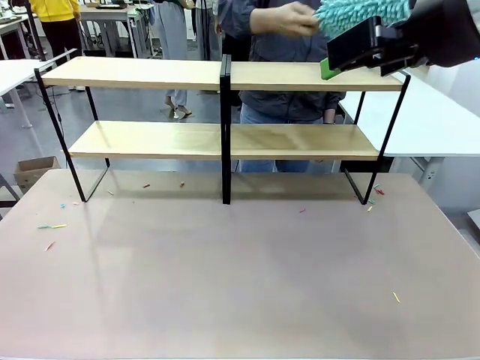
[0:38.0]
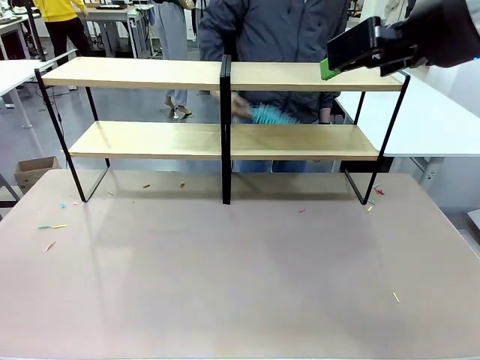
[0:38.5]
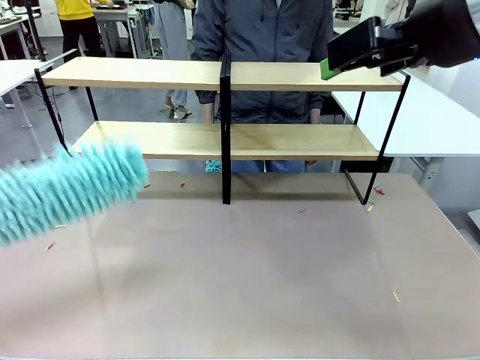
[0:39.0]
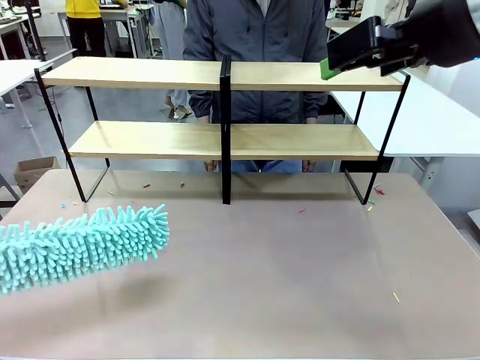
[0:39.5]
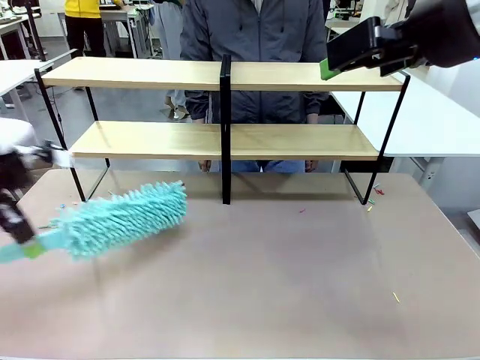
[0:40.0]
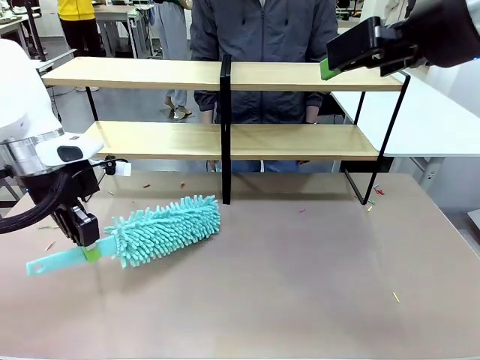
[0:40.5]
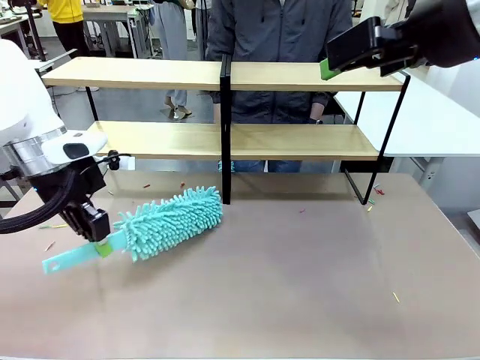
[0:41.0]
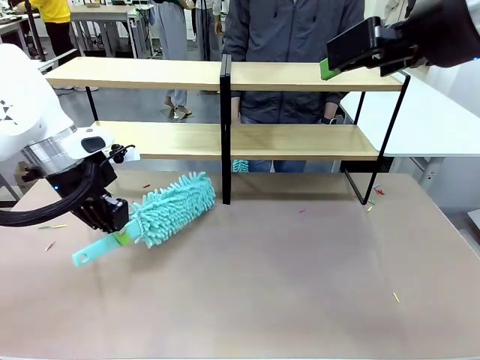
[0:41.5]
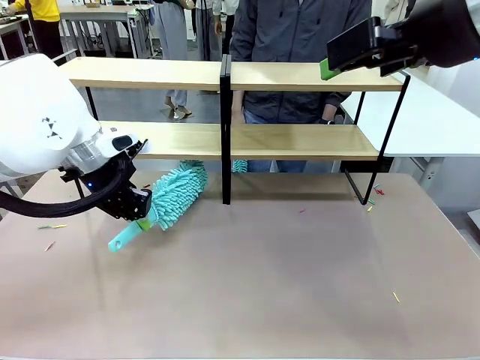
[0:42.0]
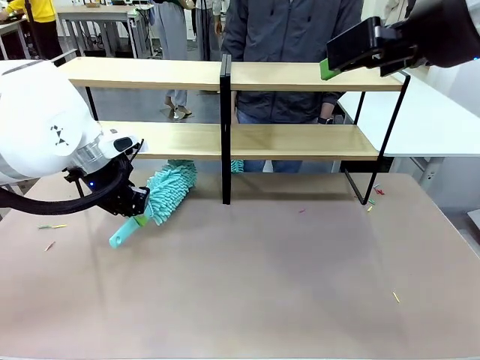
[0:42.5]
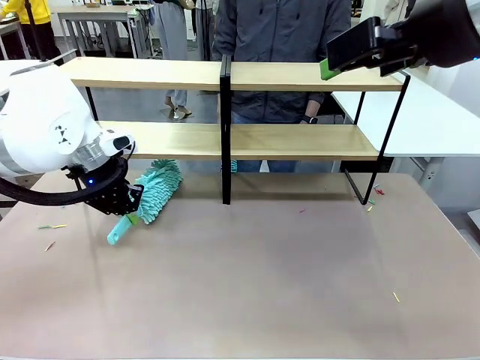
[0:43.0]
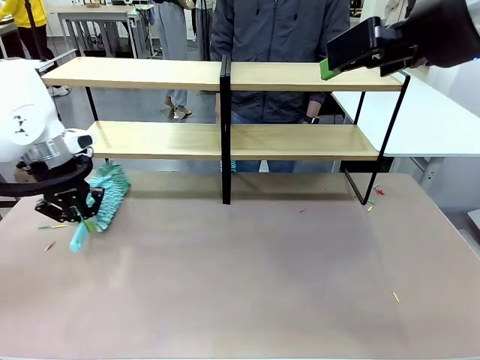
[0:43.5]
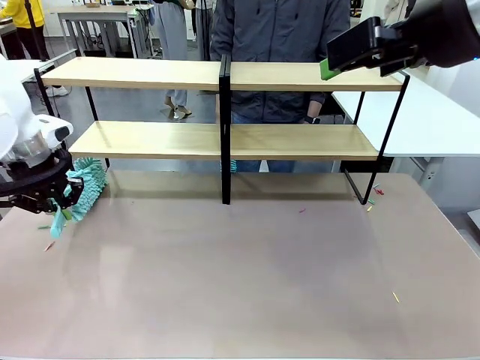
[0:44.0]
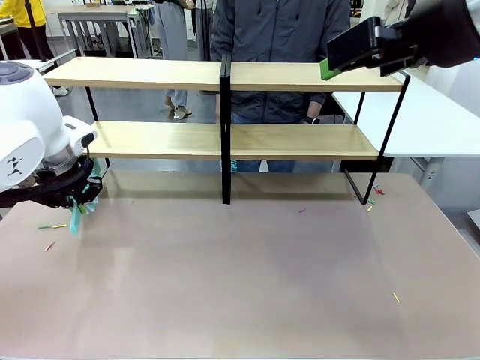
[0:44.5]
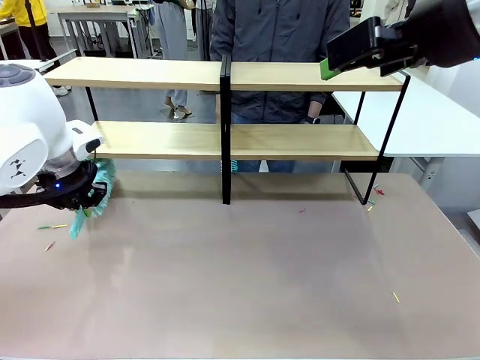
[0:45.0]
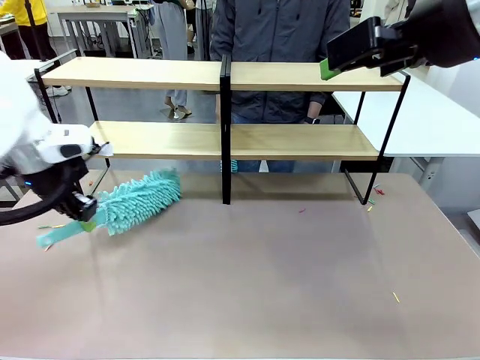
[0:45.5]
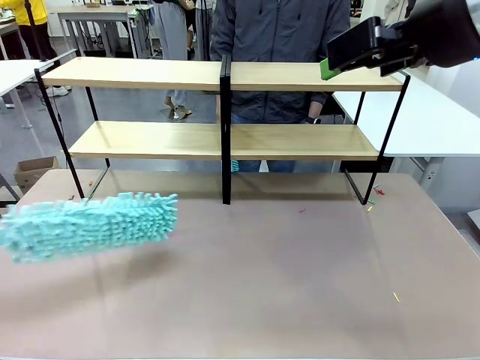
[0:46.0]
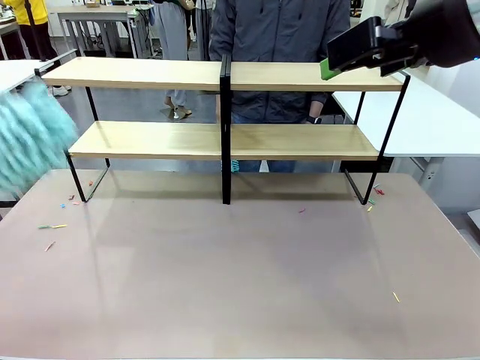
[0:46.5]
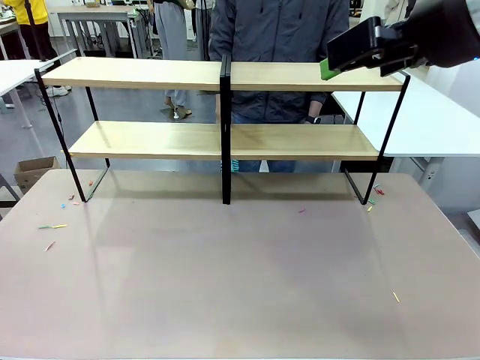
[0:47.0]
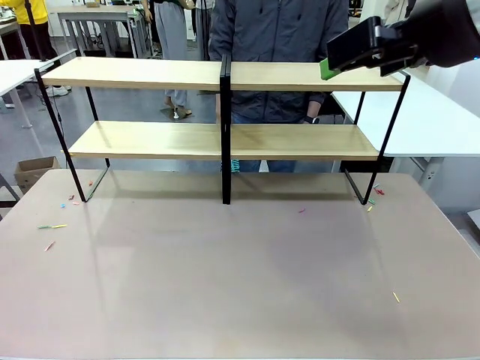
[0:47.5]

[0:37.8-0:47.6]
Task: Clean the shelves.
Robot: Clean another randomly selected level of the Shelf with the Duster.

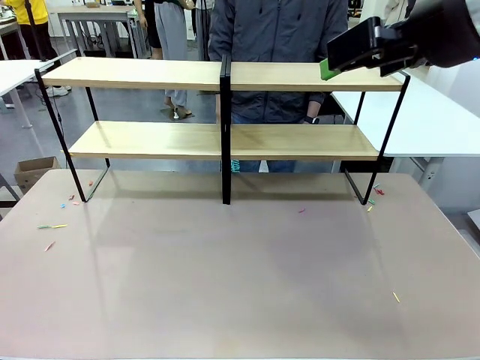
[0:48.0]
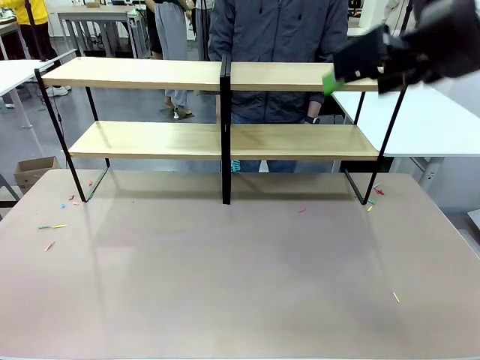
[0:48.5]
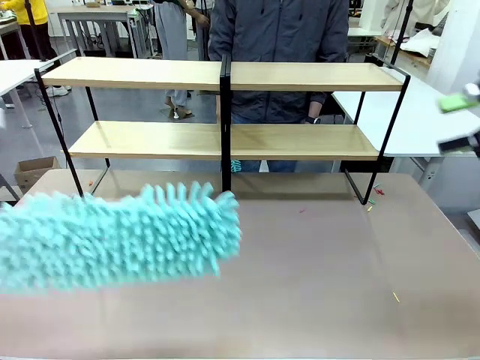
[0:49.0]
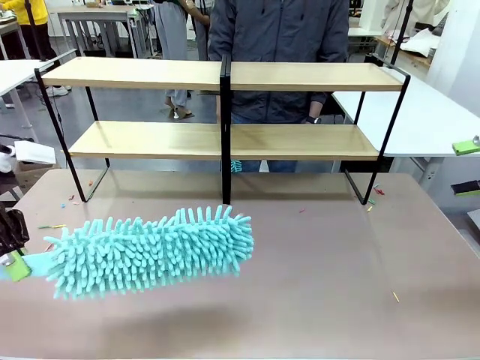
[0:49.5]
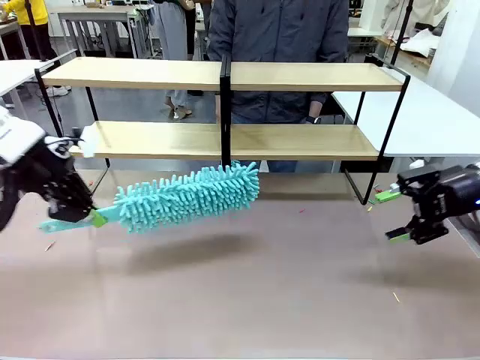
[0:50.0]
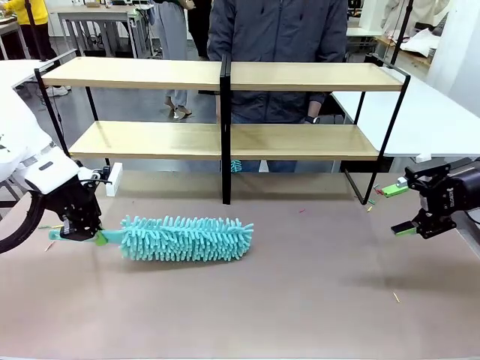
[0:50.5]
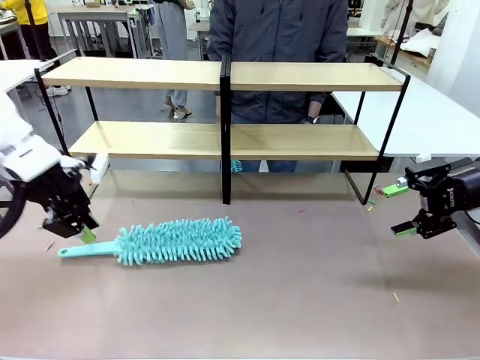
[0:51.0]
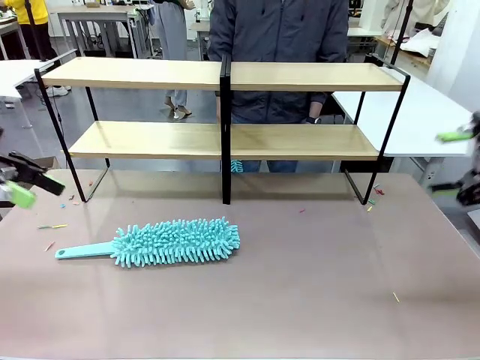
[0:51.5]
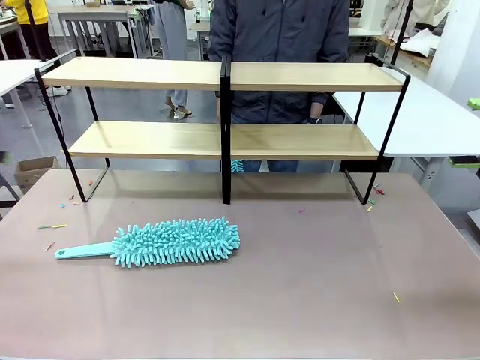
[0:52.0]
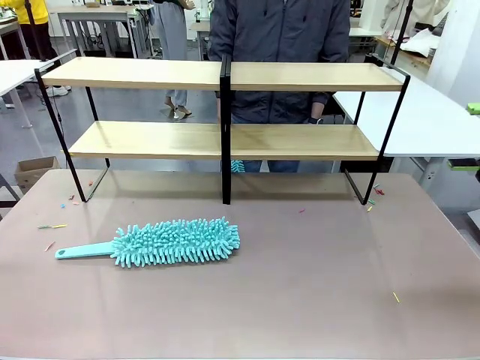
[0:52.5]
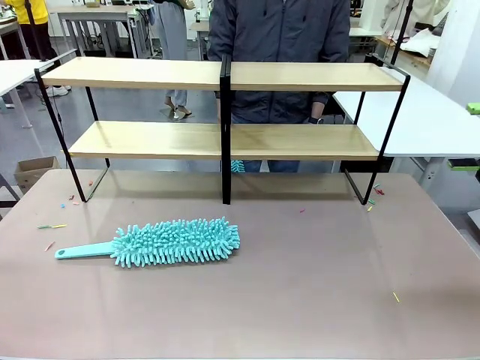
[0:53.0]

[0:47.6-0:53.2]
Robot: Place the Duster on the table.

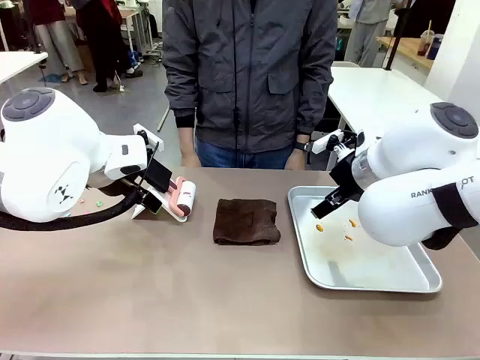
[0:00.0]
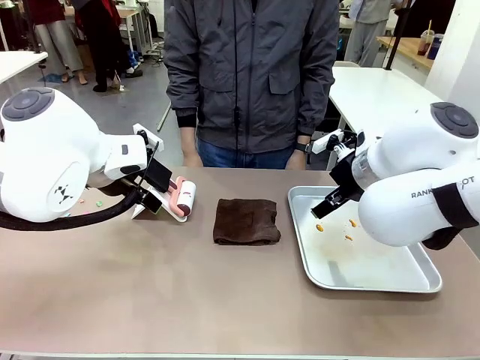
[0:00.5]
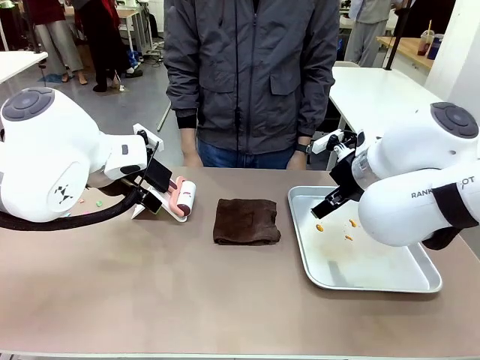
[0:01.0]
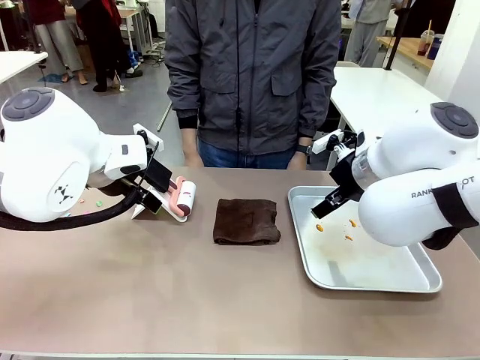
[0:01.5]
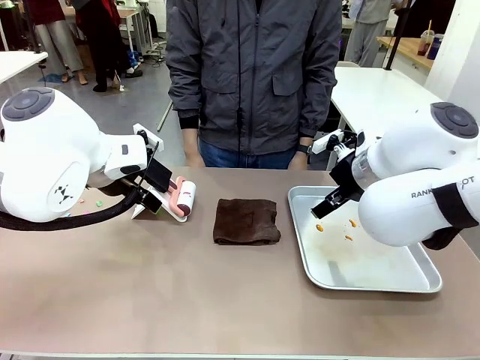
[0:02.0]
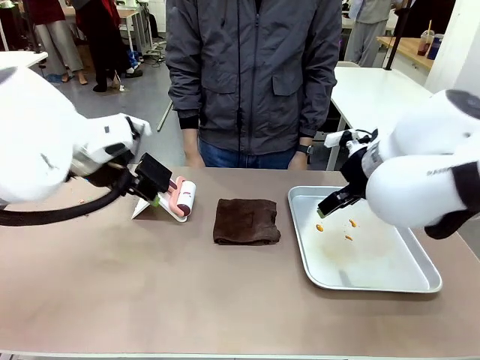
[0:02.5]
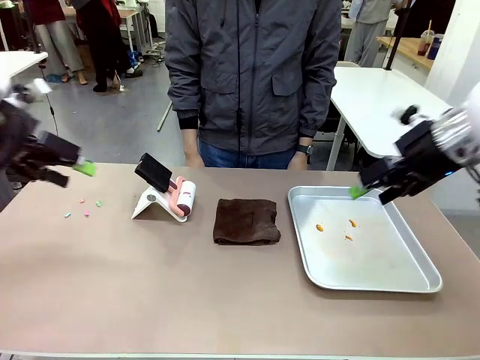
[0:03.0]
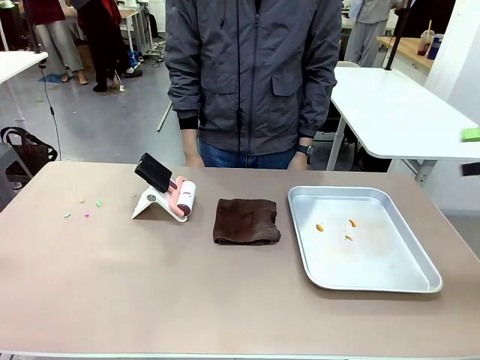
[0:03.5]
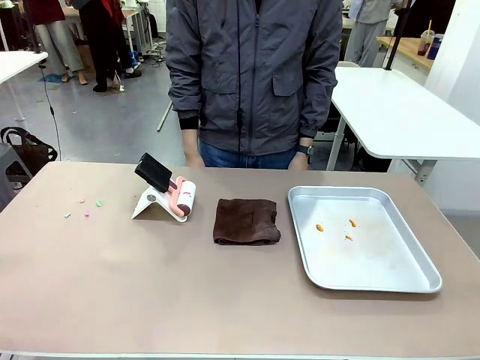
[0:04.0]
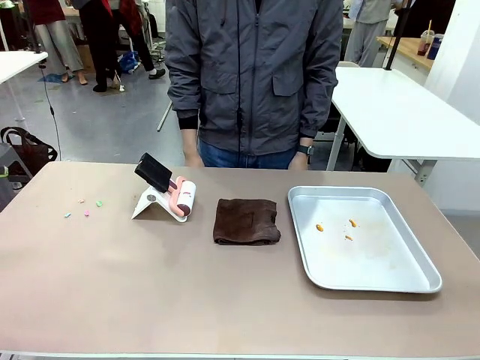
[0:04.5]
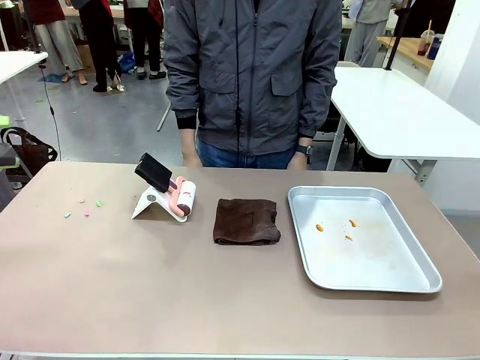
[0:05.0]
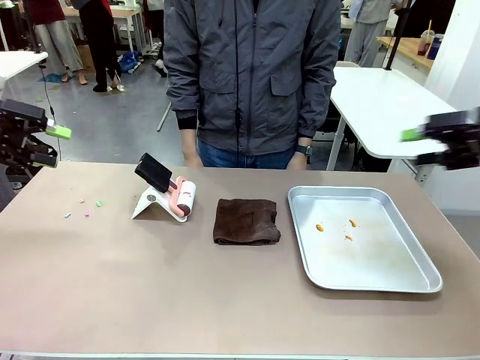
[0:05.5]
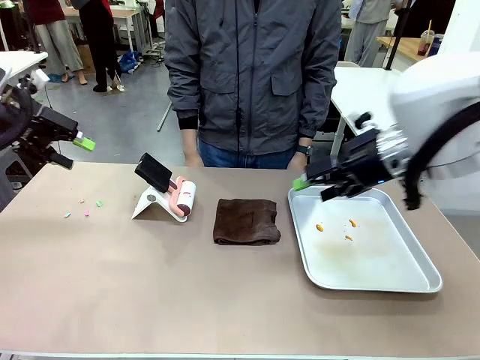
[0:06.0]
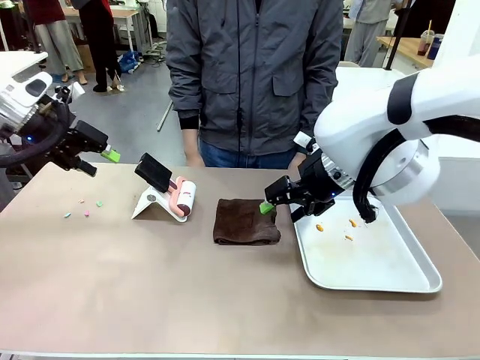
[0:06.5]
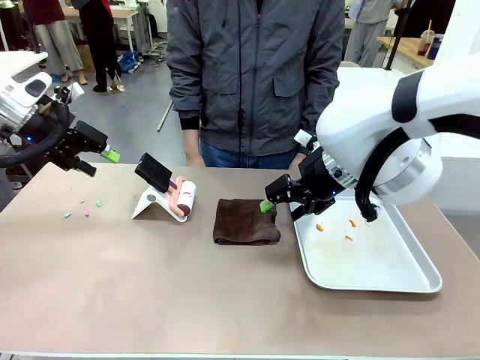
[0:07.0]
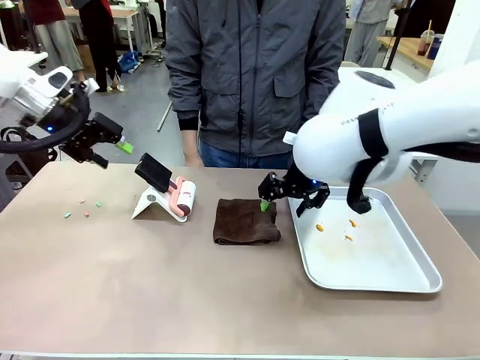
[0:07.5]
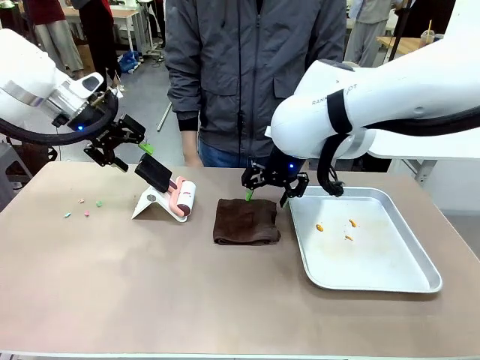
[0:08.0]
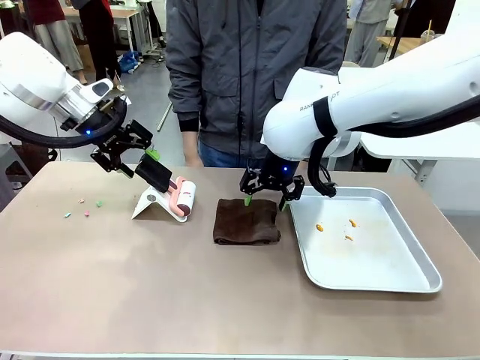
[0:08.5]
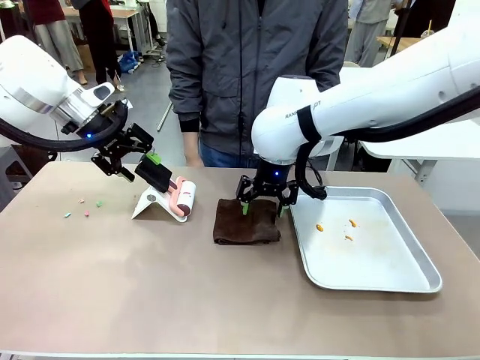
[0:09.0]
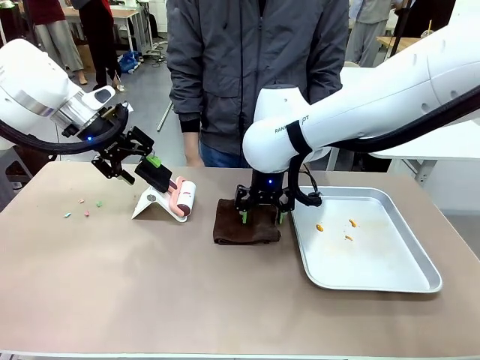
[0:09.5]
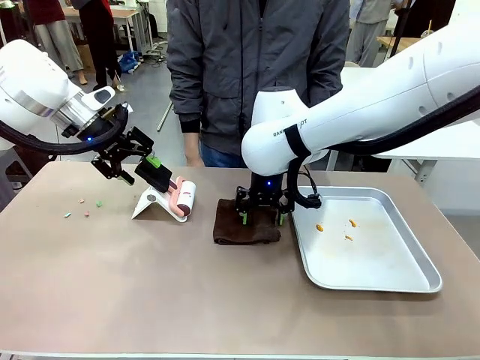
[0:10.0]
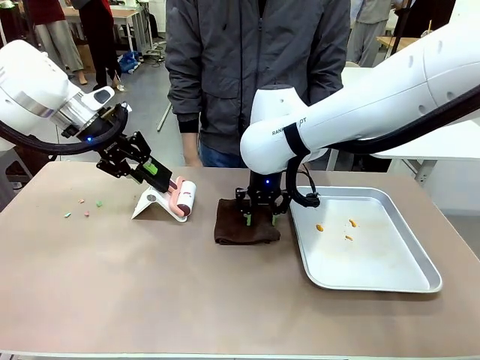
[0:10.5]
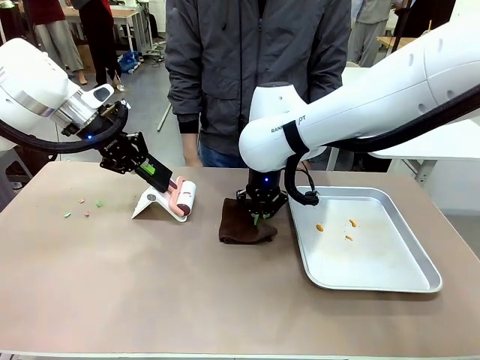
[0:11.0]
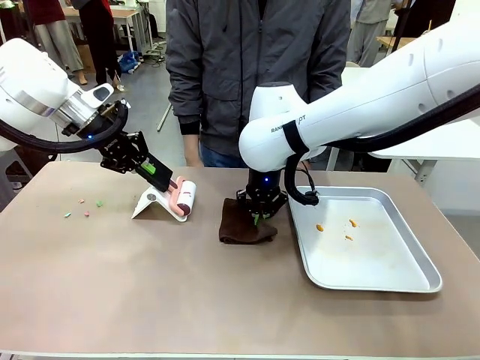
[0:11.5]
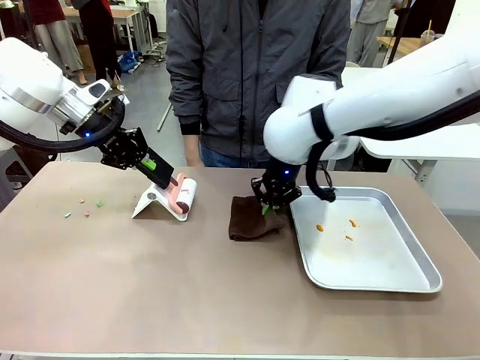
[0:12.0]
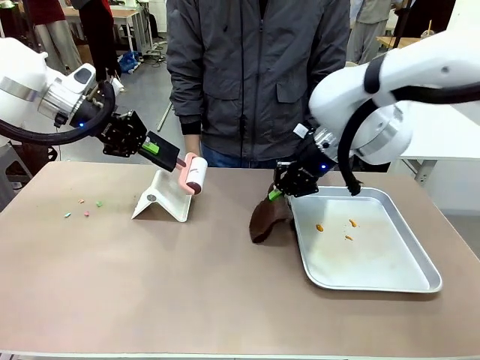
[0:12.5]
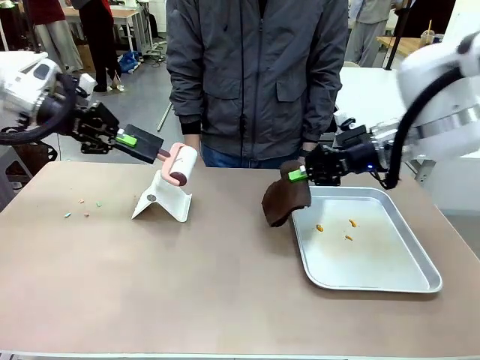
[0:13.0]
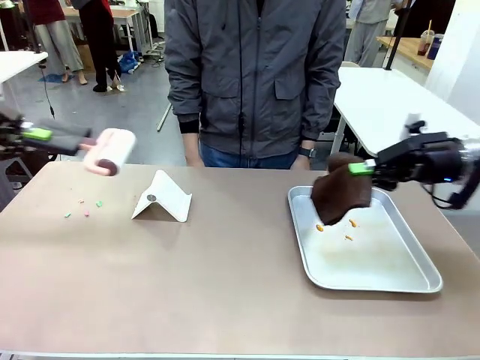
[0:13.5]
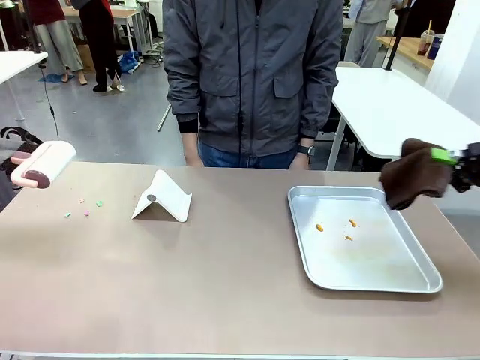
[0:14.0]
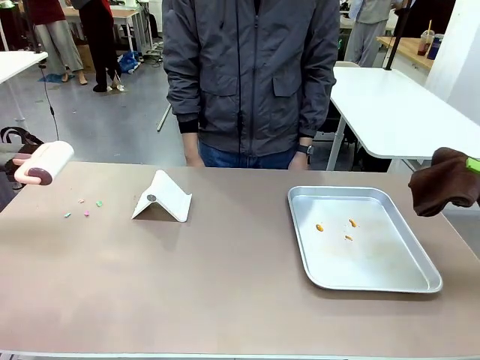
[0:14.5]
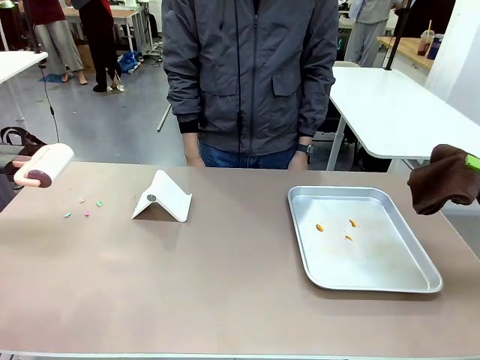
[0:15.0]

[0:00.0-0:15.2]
Task: Clean the surface of the table.
Robot: Hold the Lint Roller with your left hand and the towel with your right hand.
